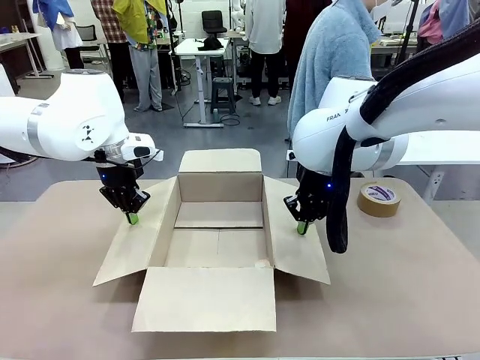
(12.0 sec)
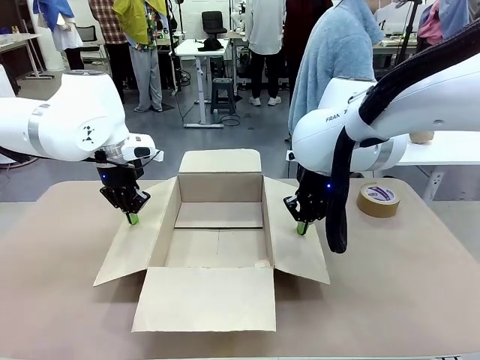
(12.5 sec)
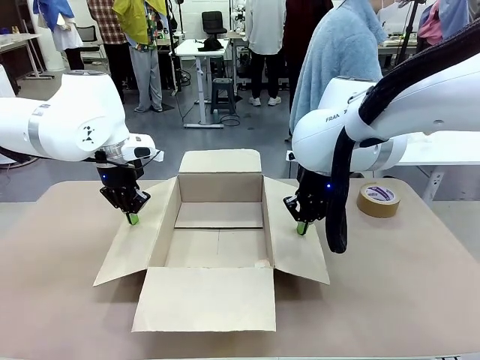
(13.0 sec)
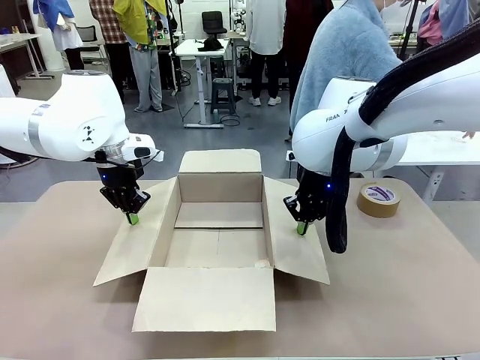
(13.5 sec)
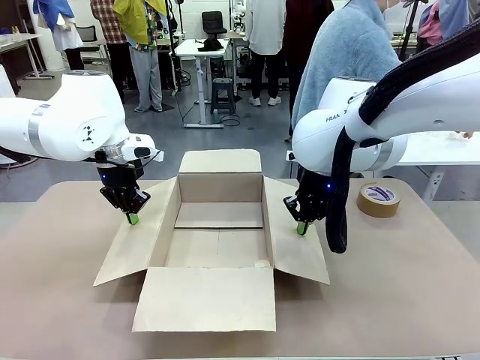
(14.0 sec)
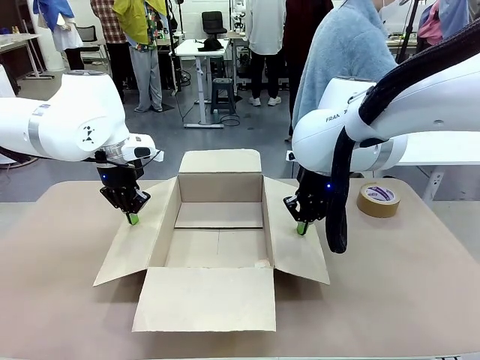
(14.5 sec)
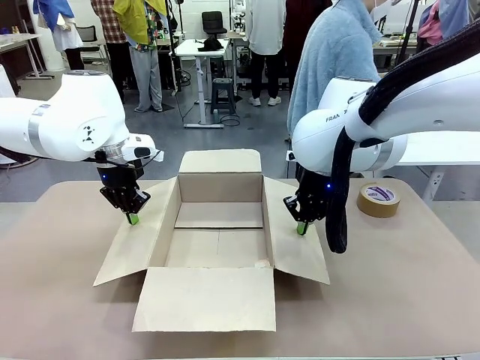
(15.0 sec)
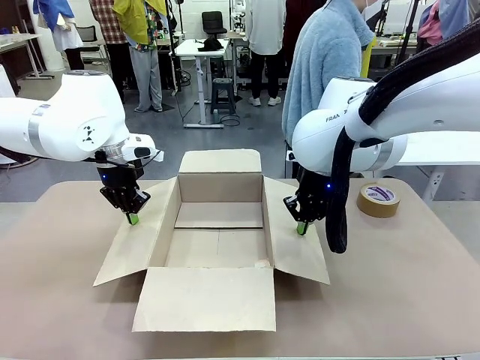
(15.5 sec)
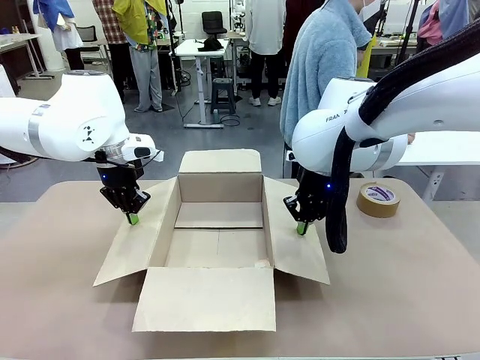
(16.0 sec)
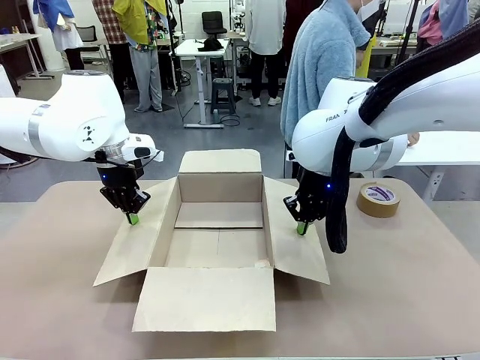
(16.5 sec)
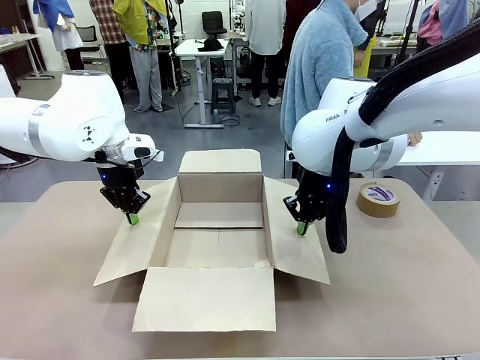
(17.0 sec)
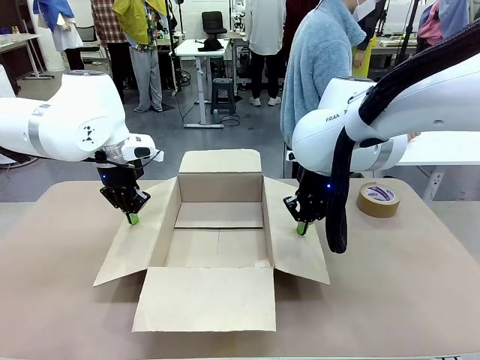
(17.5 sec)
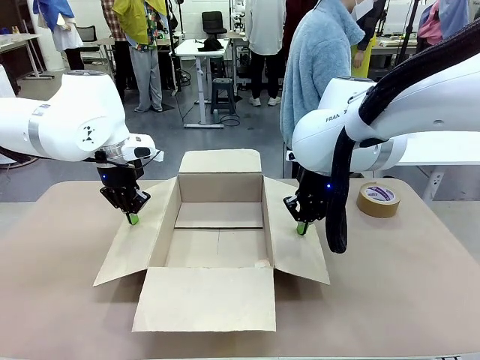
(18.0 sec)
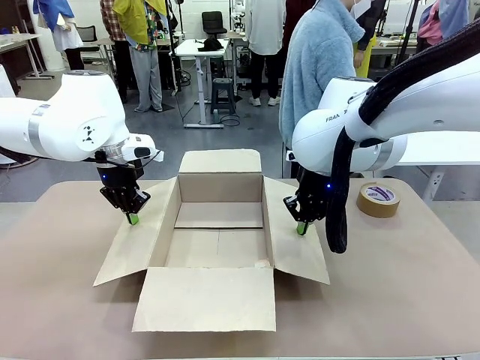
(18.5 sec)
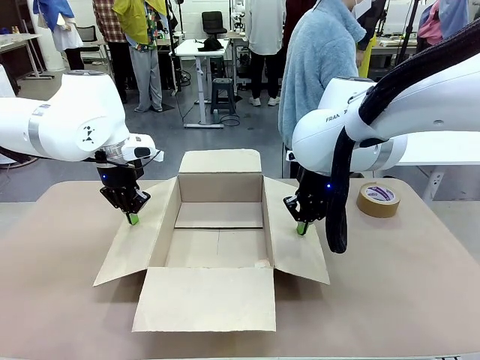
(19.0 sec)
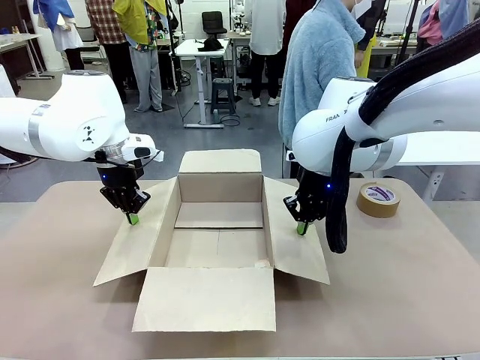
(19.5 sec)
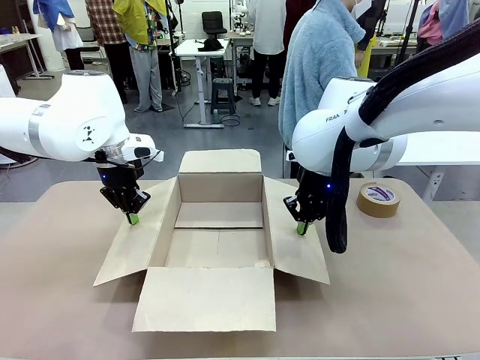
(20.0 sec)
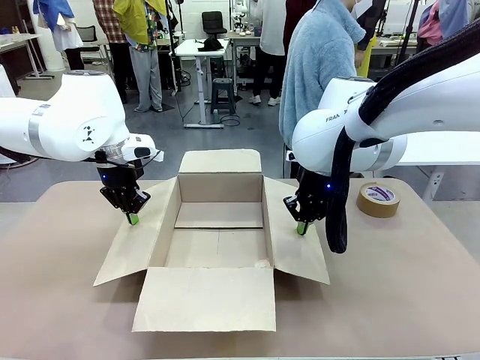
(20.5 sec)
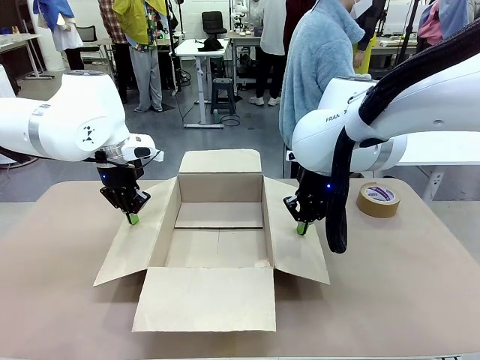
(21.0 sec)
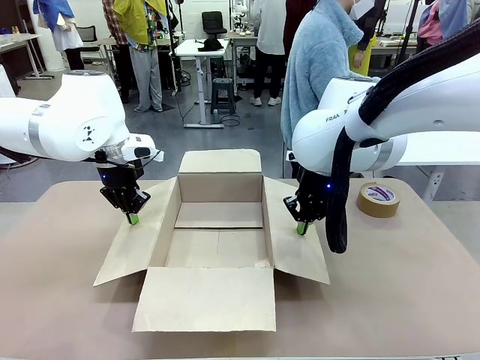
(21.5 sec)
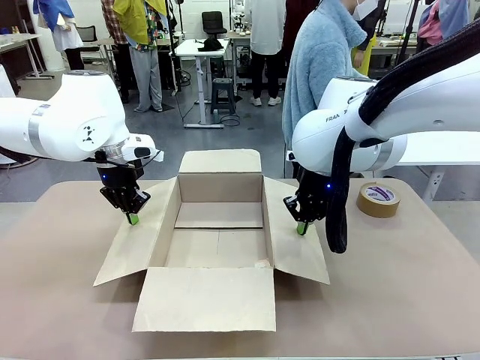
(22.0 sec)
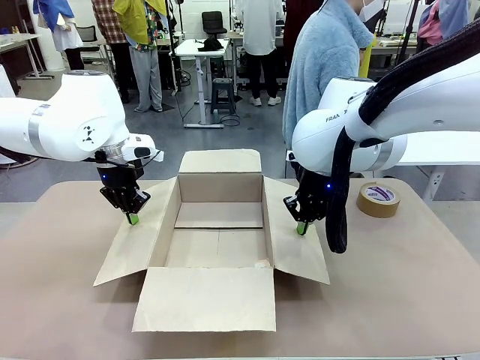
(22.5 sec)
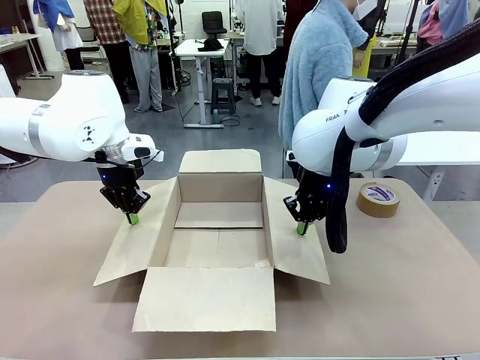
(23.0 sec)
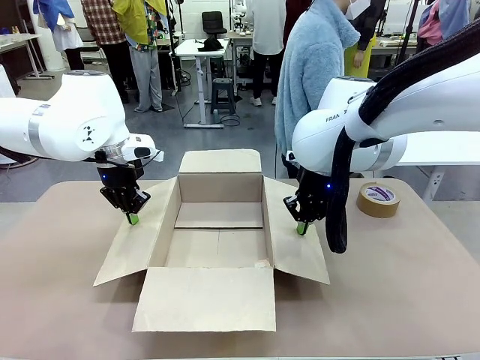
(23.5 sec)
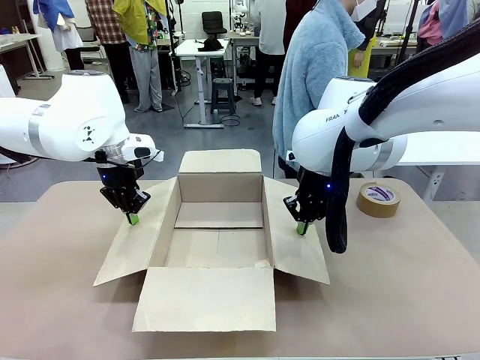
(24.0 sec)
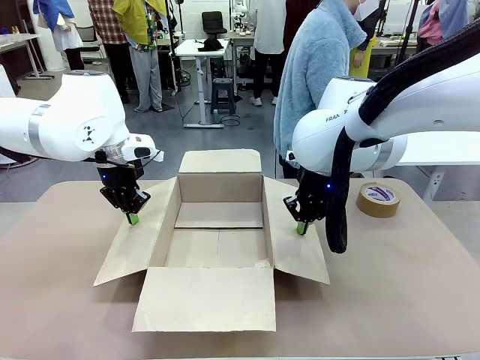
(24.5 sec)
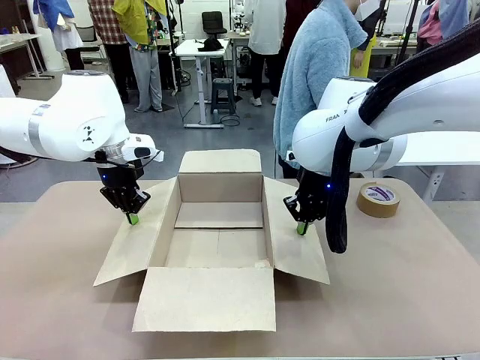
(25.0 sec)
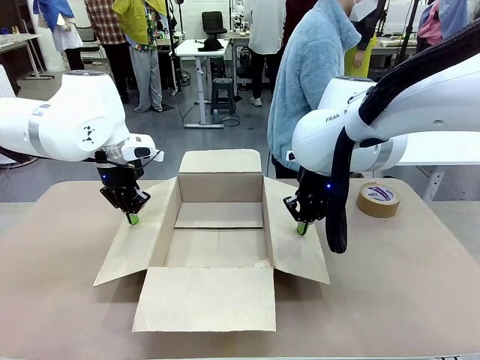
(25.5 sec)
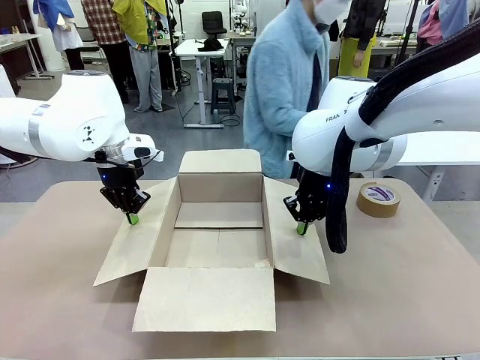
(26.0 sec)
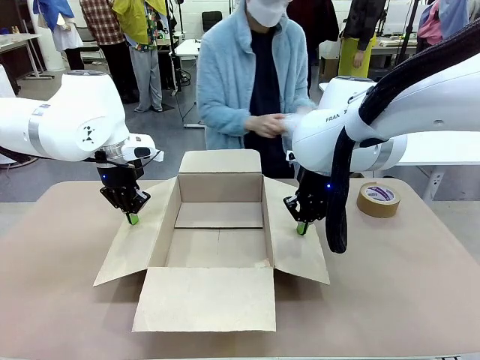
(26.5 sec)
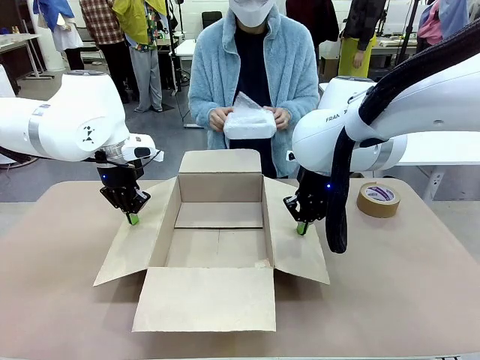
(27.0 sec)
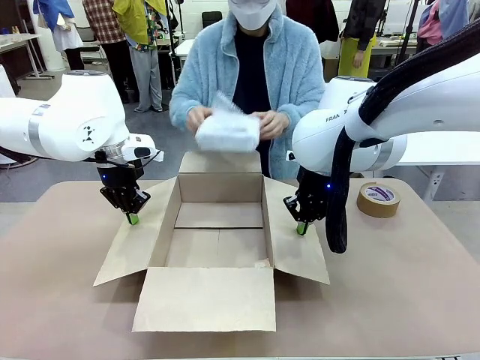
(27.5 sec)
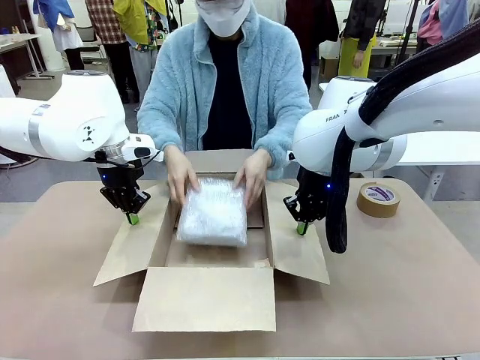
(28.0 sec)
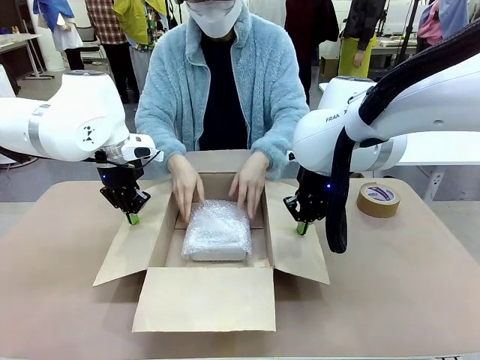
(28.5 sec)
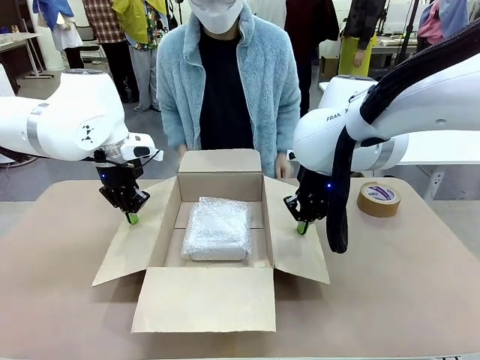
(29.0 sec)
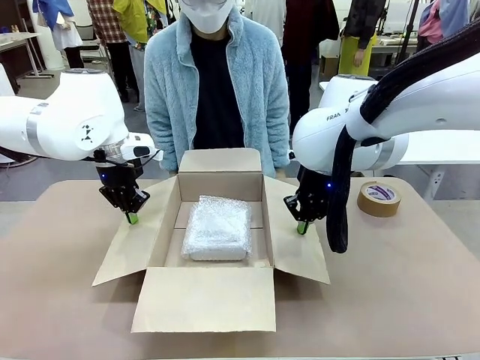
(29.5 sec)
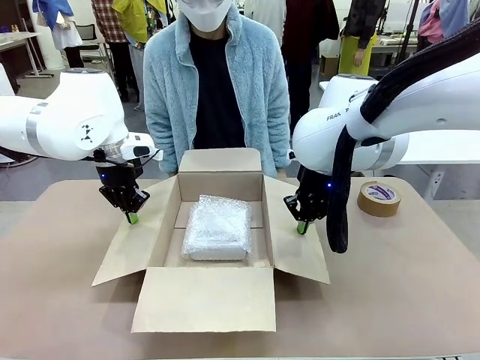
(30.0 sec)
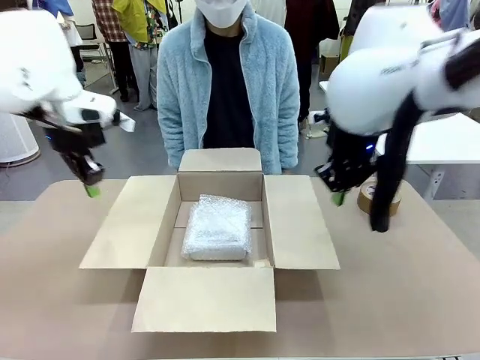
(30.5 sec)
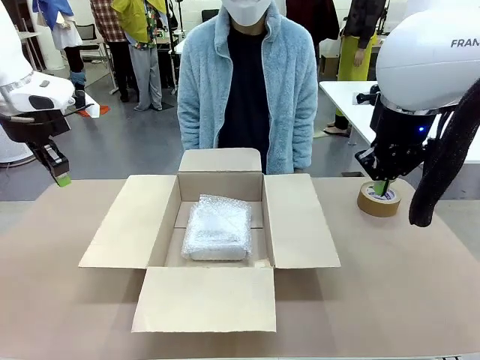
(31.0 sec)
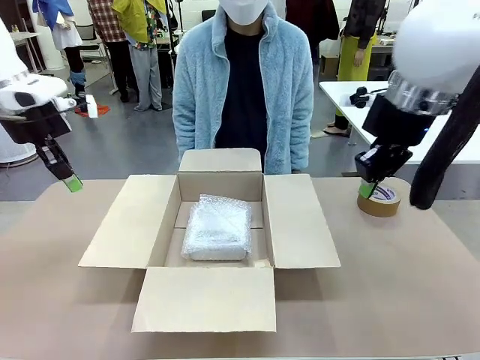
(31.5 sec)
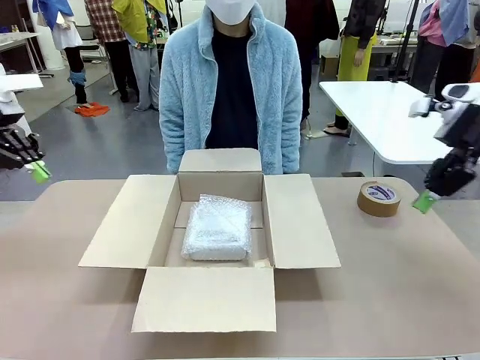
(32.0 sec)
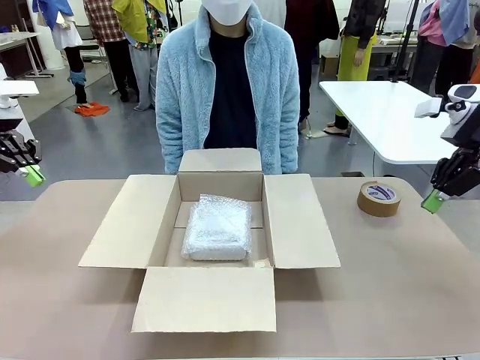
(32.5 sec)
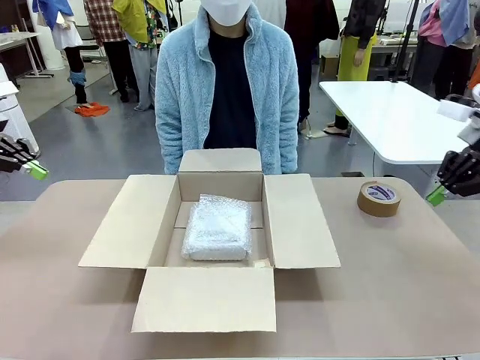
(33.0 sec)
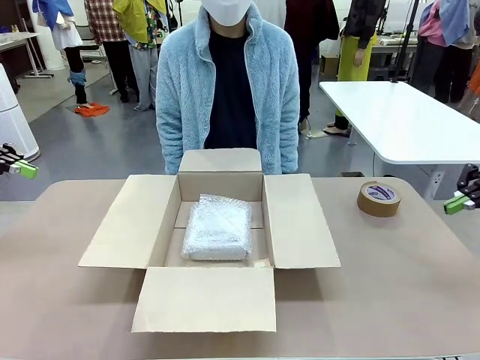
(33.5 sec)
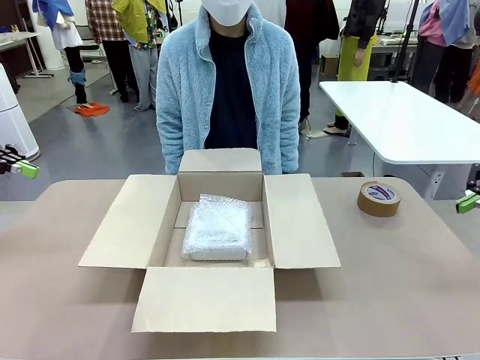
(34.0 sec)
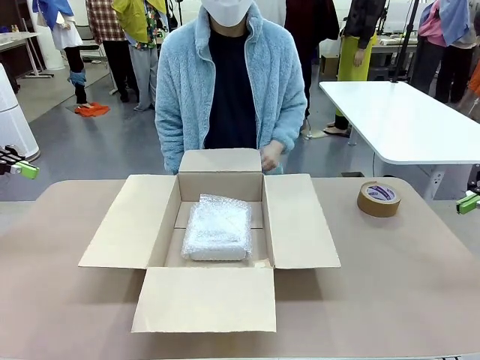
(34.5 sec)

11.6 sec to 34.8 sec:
Task: Wrap the clocks to prevent damage.
Robot: Once the human has placed the objects inside and stepped back, release both hands from the side flaps of the Package Box.
Person: Wrap the two Digital clocks with Bubble Wrap. Place the wrapped Digital clocks inside the Package Box. Hold the top and bottom flaps of the Package Box closed with your left (or right) hand.
